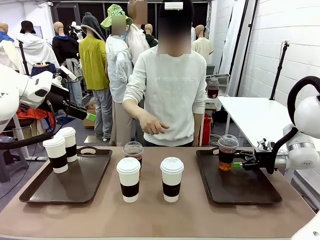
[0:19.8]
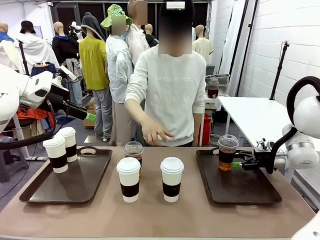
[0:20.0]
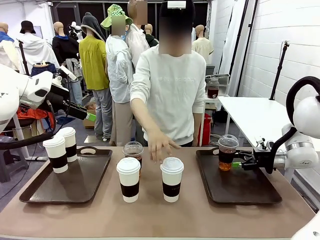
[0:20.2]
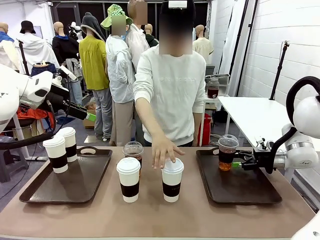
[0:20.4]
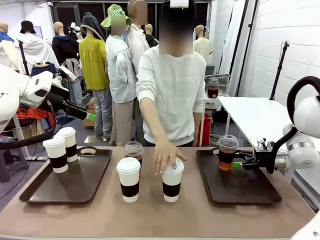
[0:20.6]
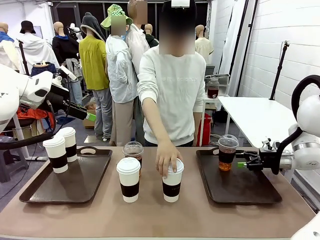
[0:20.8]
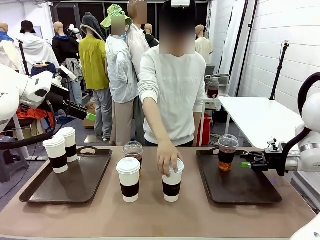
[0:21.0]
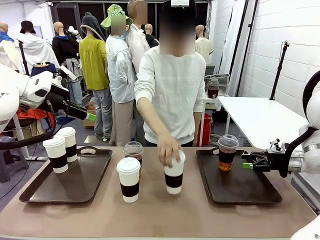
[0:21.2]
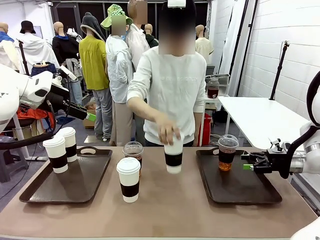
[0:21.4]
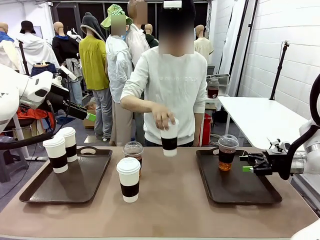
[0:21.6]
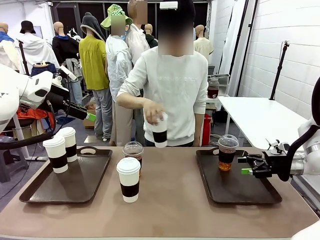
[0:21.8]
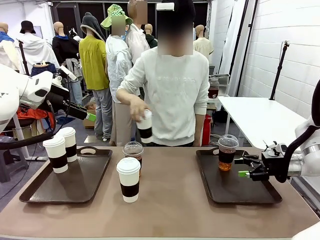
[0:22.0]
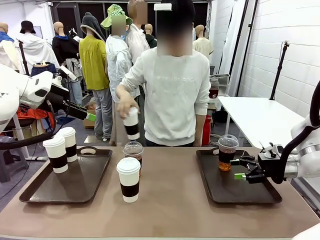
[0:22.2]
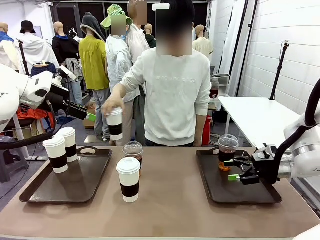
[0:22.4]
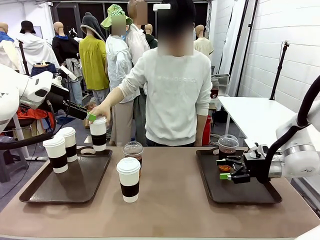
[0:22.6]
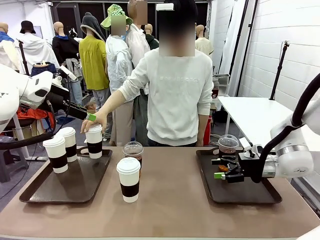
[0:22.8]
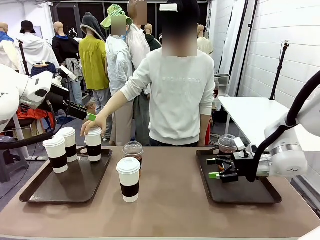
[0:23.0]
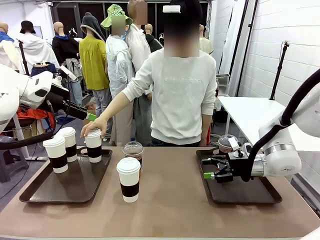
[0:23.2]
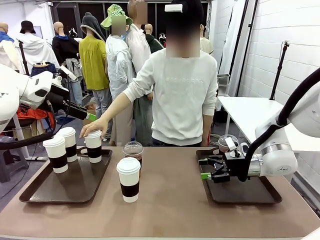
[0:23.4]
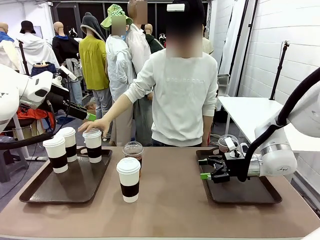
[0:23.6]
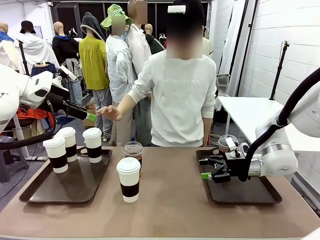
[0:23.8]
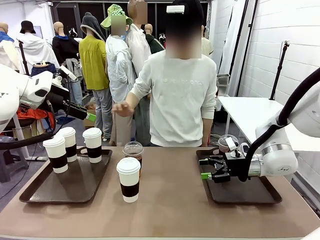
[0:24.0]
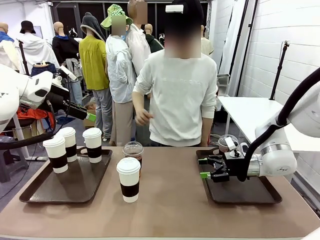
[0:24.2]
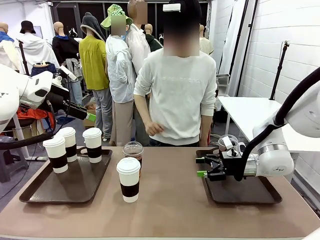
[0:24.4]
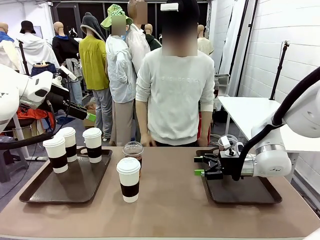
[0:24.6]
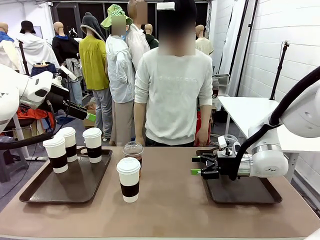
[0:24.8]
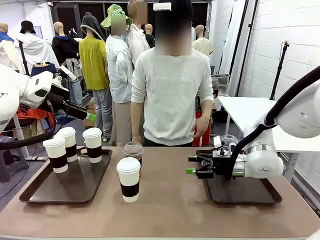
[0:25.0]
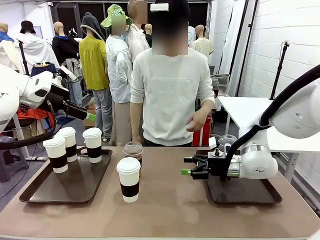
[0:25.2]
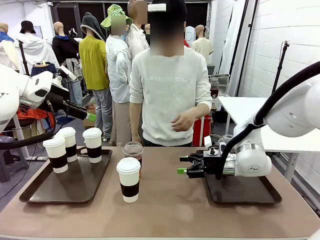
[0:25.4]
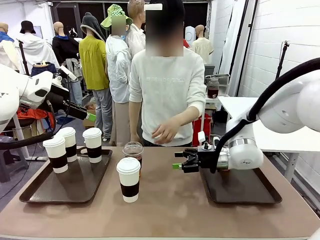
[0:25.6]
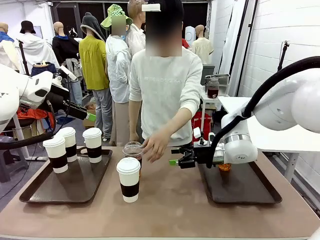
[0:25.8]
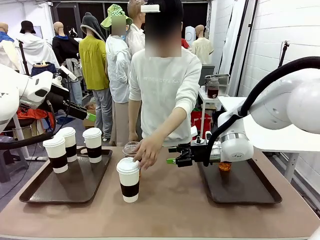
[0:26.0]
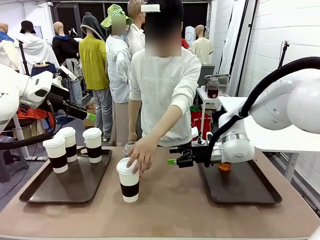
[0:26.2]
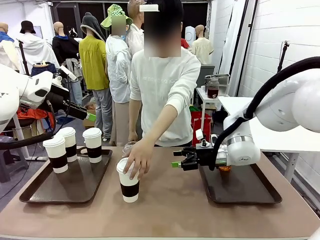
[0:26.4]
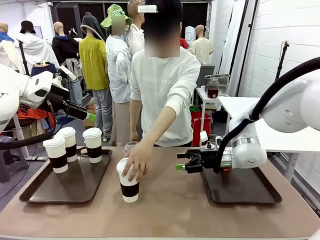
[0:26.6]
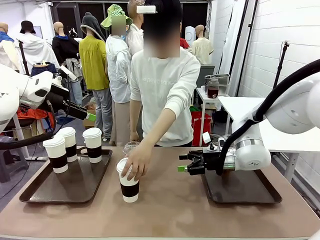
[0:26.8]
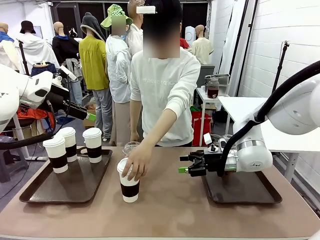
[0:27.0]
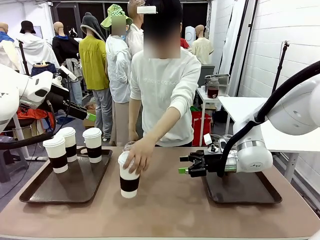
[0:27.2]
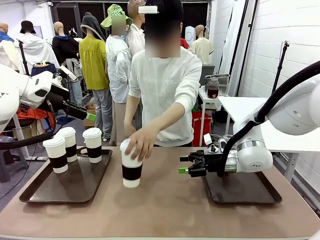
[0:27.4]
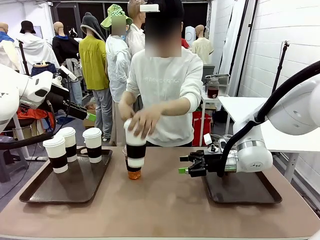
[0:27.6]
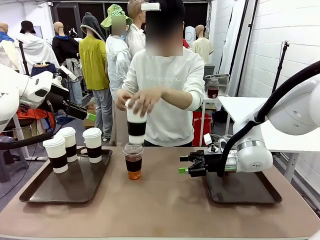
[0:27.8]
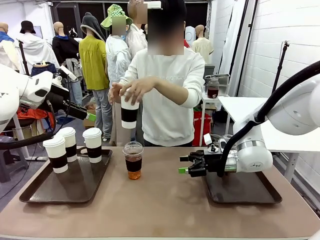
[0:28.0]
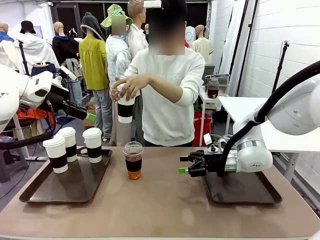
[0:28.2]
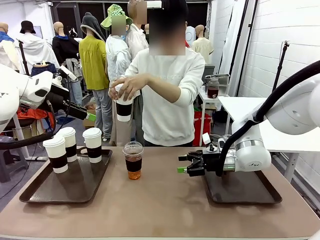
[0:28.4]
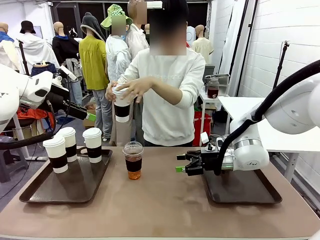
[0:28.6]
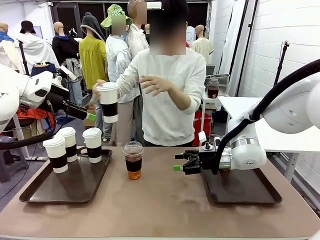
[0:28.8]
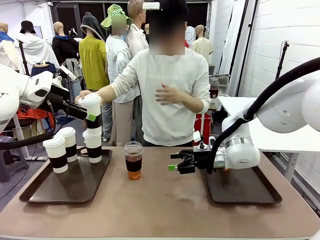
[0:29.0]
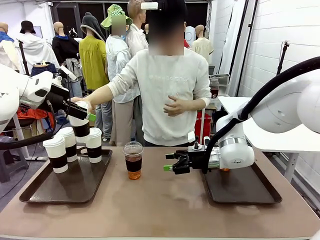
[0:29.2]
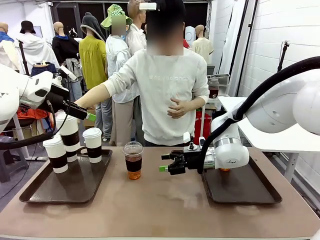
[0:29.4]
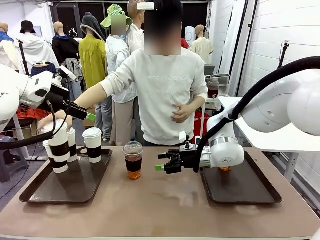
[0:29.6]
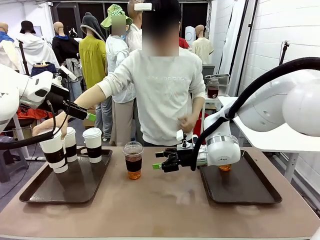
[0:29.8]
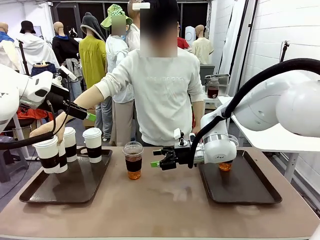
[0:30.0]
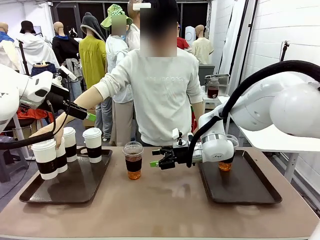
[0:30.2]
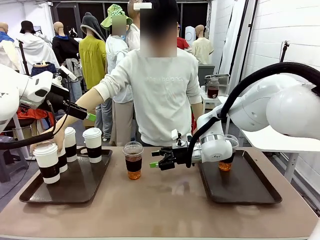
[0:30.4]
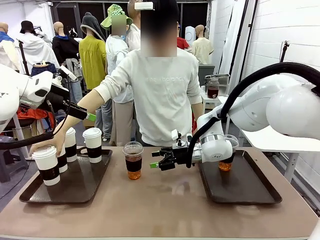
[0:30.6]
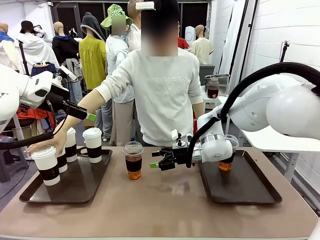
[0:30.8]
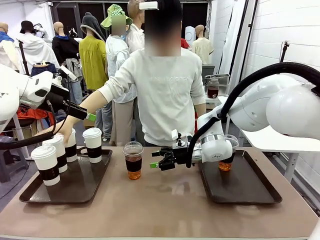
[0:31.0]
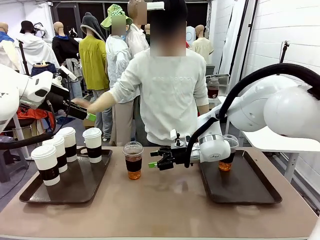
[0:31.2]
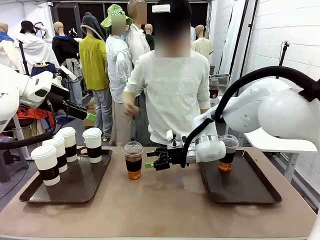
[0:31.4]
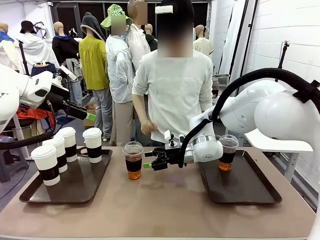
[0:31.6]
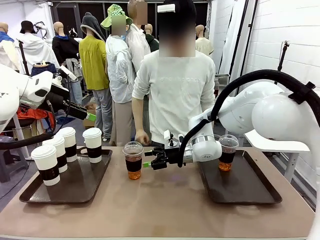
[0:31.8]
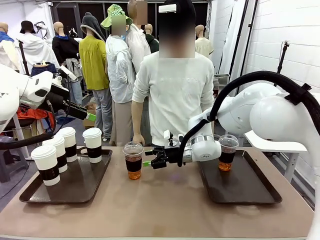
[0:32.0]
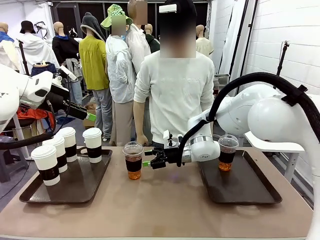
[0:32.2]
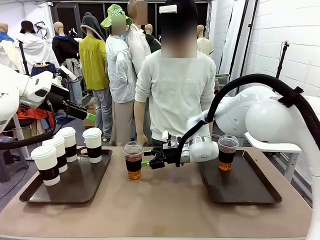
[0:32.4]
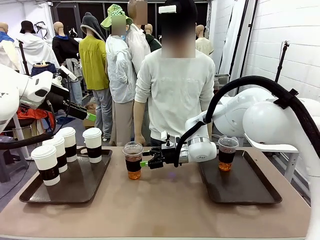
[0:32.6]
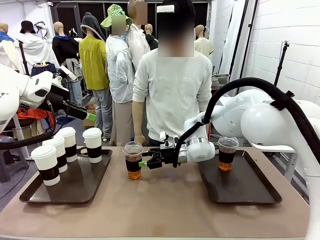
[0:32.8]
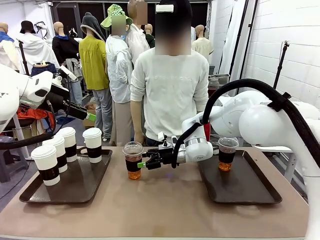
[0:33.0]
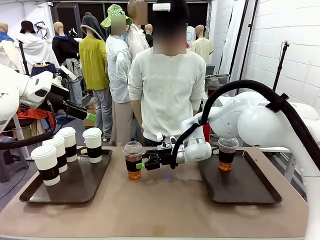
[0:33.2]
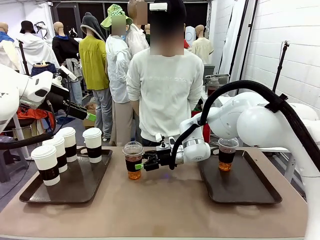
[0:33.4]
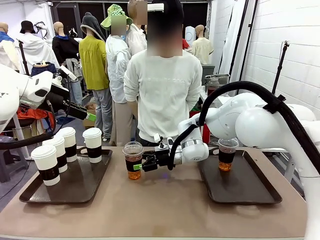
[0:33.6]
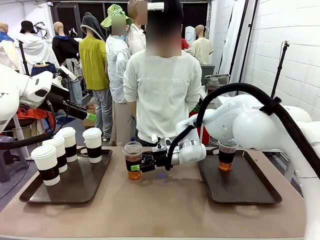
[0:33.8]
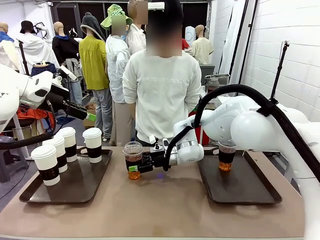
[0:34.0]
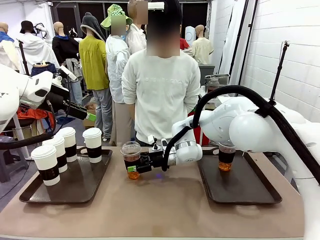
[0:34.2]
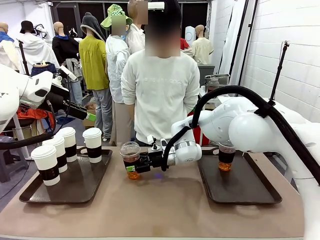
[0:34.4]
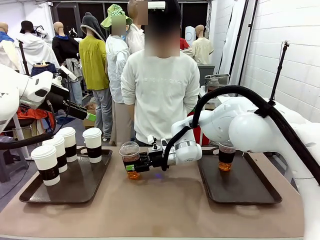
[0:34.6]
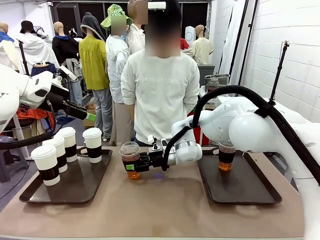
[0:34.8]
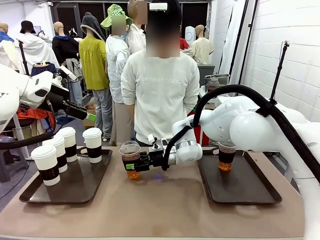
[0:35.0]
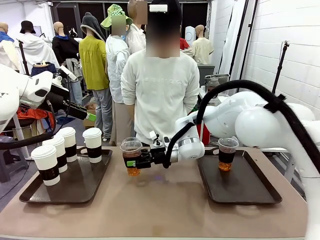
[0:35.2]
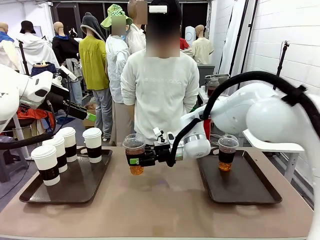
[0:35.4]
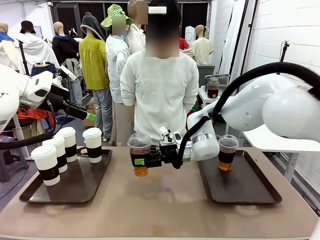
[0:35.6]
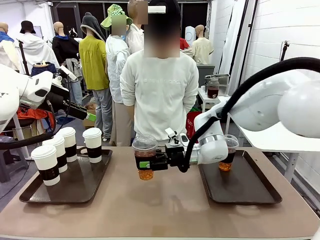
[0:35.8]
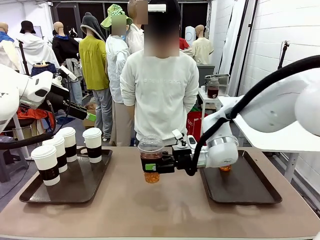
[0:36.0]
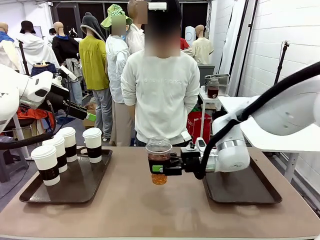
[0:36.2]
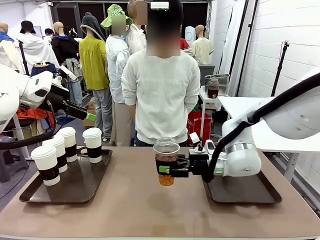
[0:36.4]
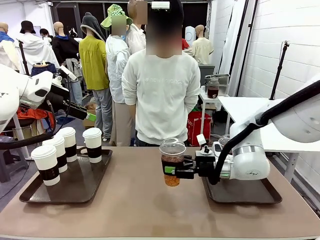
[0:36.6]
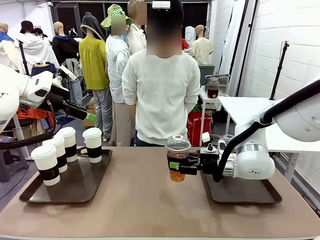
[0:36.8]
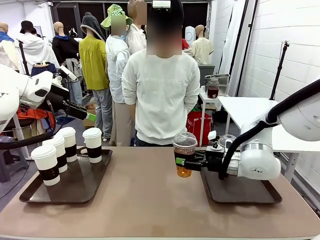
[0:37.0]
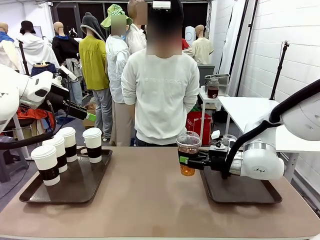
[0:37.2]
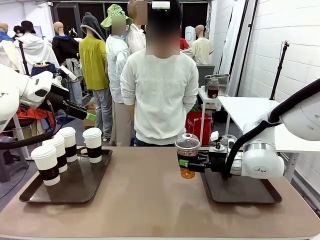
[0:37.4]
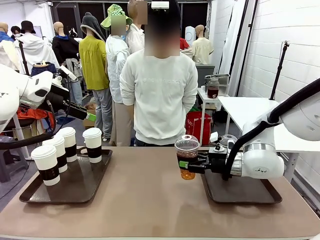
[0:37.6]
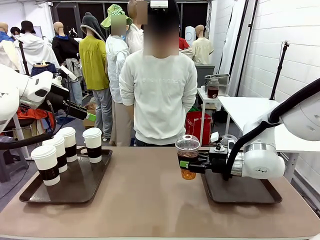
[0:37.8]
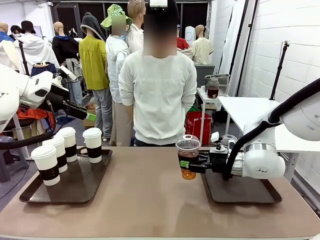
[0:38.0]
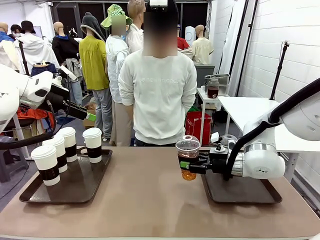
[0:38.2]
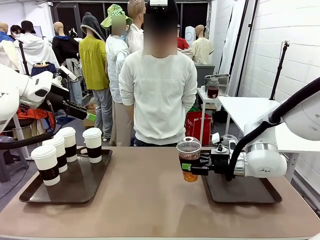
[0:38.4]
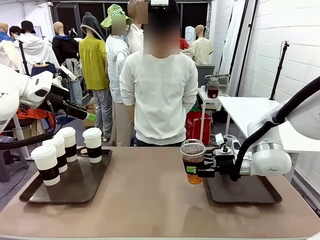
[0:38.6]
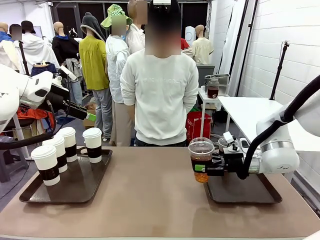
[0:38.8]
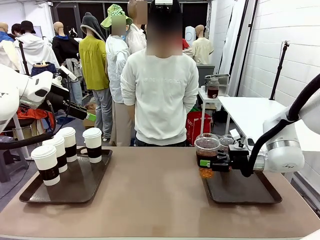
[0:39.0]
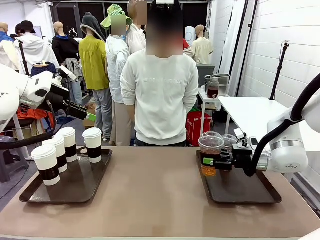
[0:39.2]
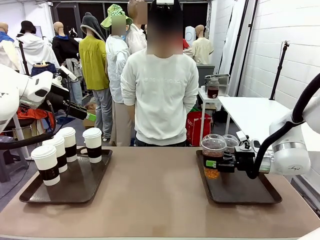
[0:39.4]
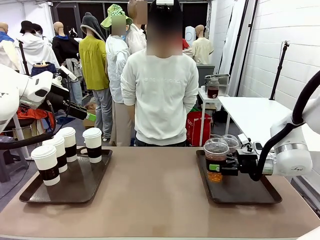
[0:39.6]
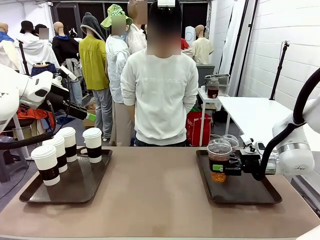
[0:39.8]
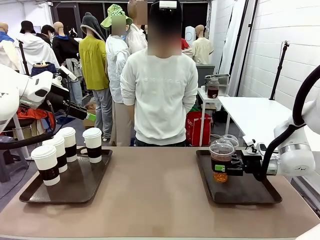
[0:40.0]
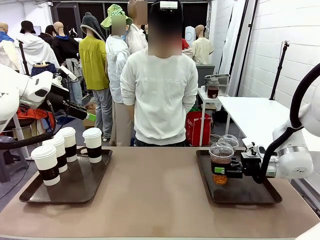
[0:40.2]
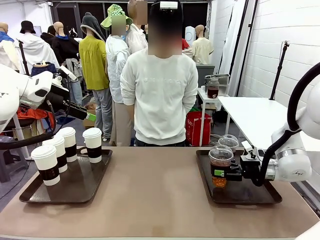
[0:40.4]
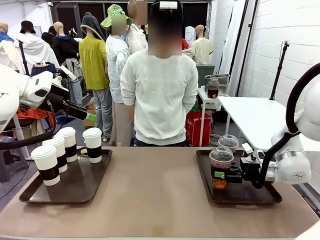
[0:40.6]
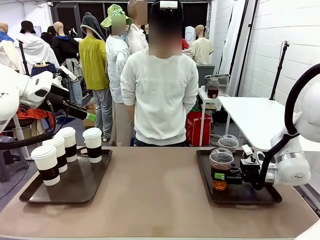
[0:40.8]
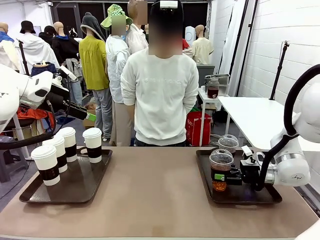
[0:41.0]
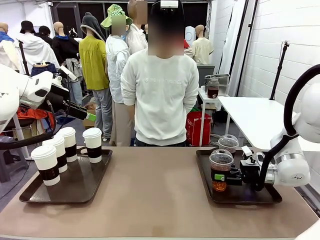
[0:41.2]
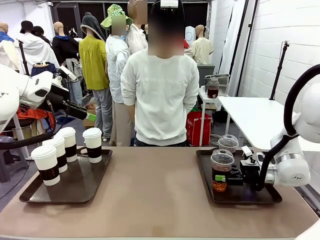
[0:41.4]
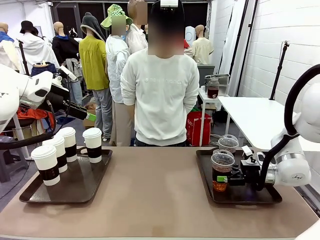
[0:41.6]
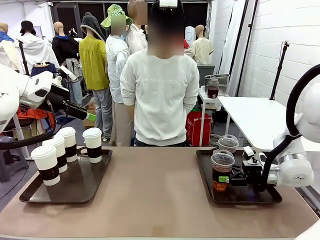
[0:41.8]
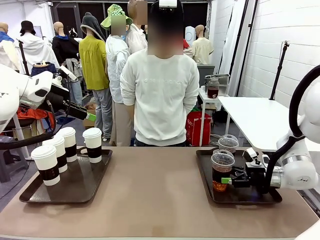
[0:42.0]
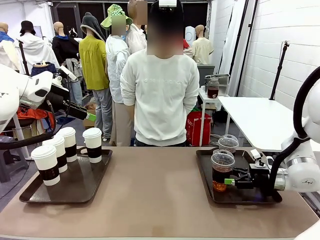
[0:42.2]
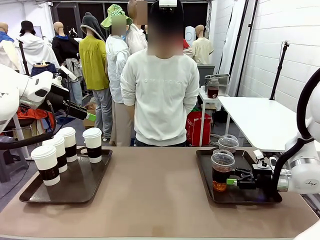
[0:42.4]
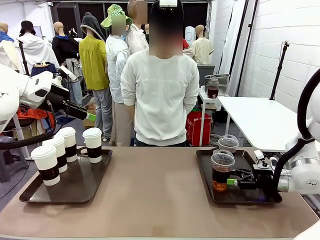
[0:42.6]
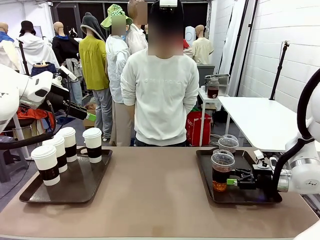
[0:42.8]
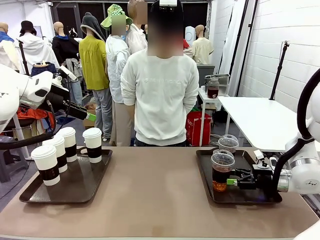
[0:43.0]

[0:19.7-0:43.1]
Task: Distribute the coffee onto the tray.
Robot: Pick up another iced Americano from the middle of the table and place it on the right Handle tray.
Person: Pick up a cup of hot Americano from the middle of the table and place it on the right tray.
